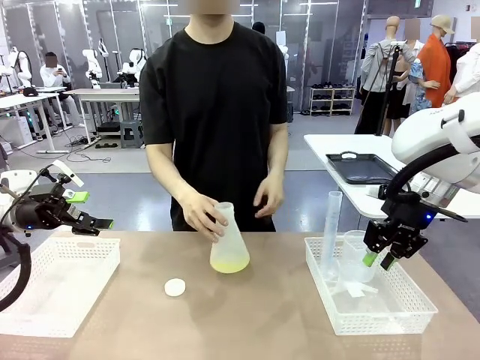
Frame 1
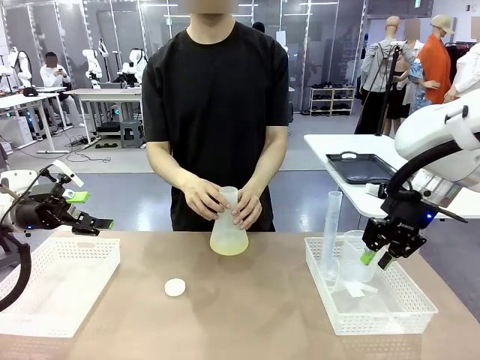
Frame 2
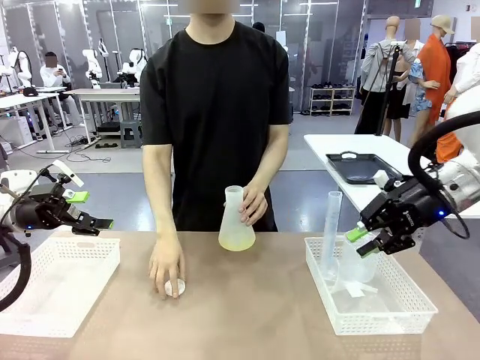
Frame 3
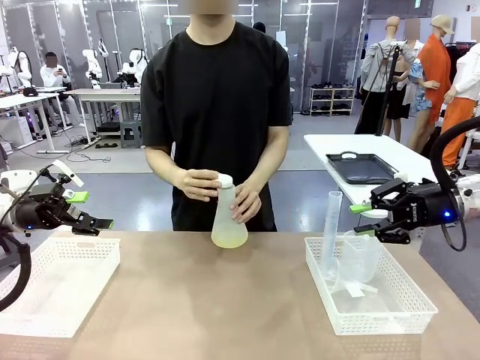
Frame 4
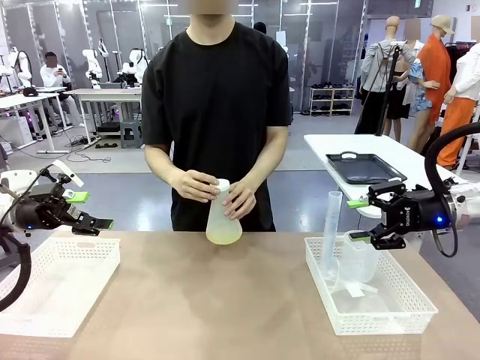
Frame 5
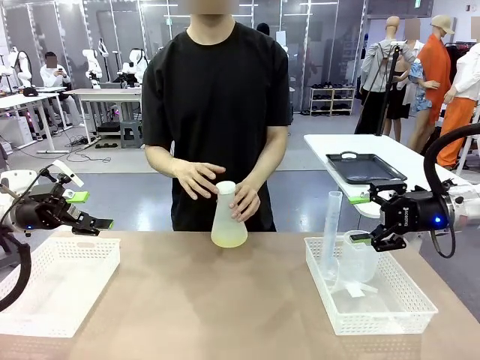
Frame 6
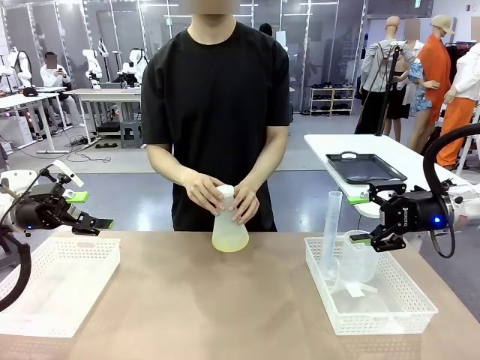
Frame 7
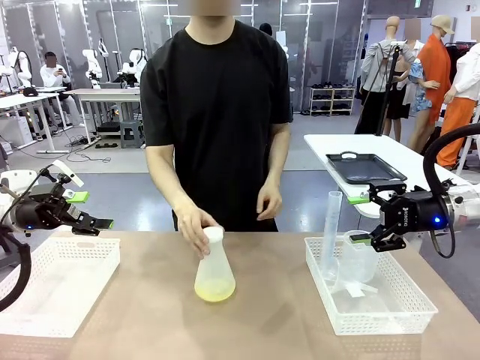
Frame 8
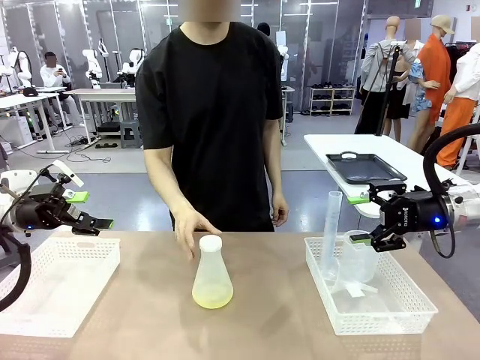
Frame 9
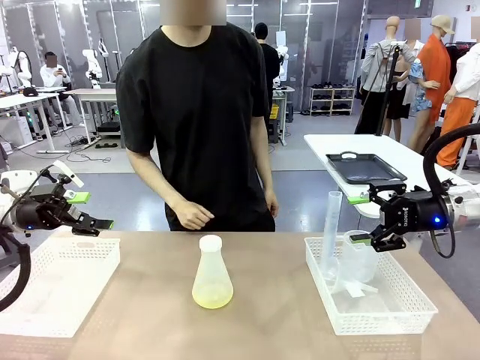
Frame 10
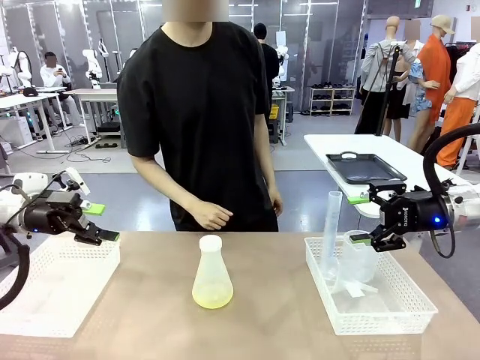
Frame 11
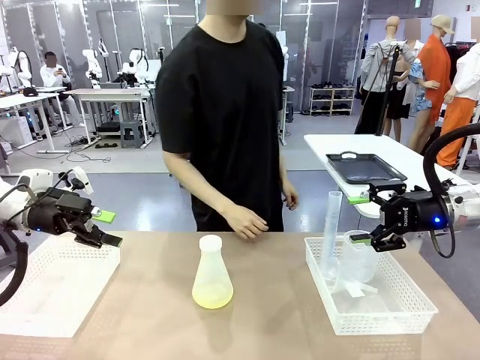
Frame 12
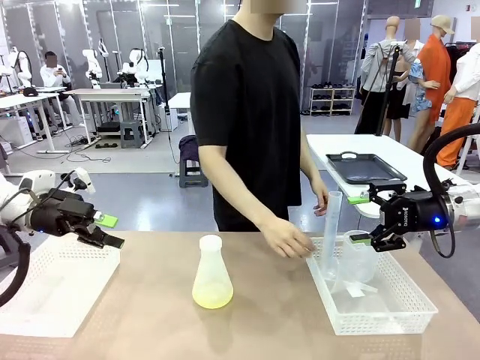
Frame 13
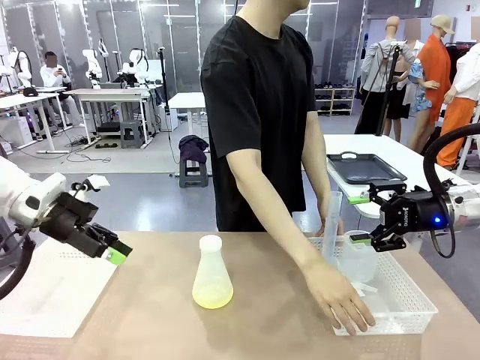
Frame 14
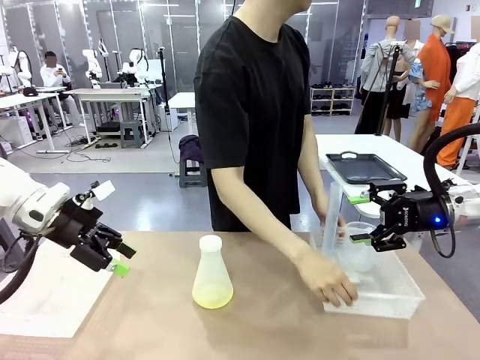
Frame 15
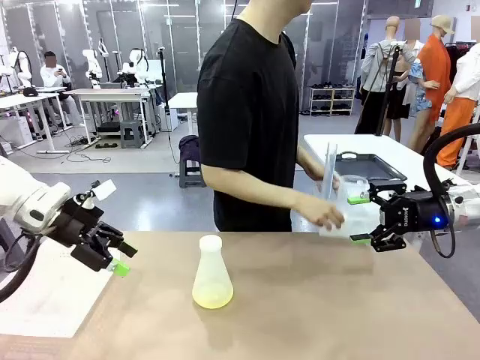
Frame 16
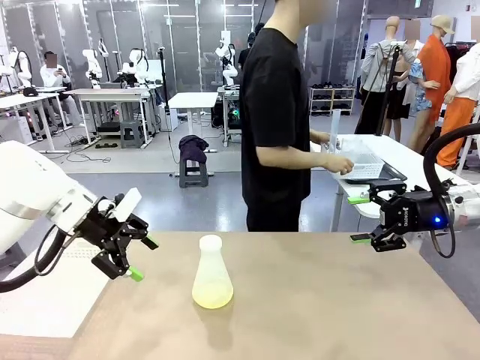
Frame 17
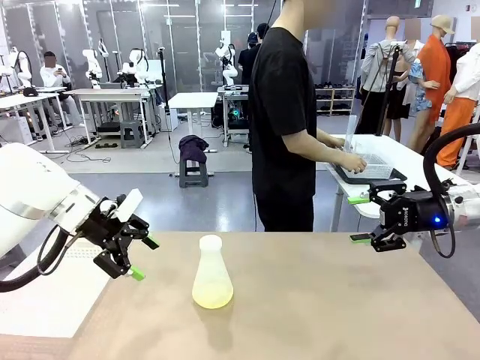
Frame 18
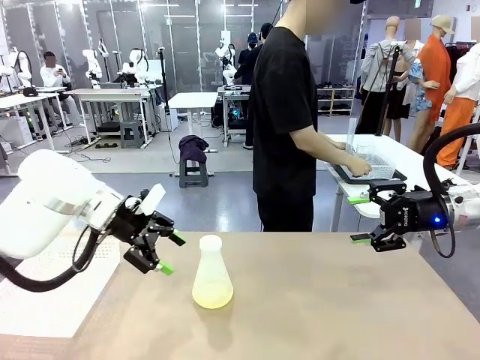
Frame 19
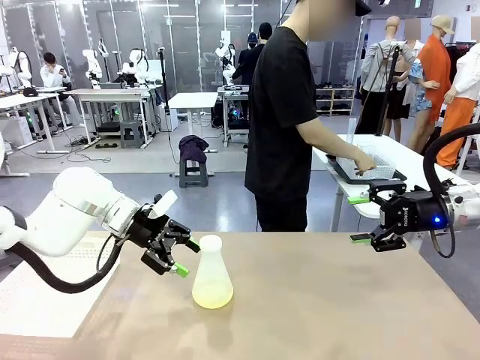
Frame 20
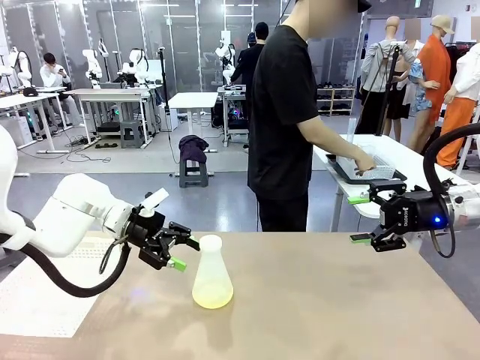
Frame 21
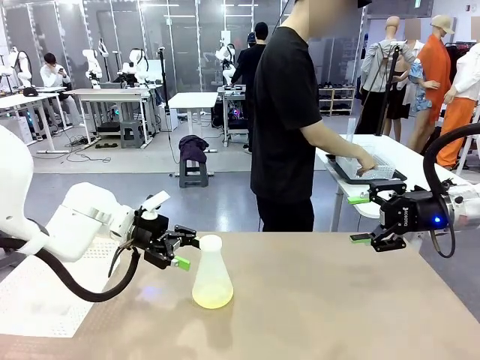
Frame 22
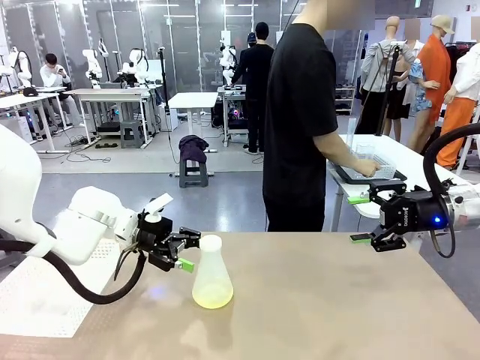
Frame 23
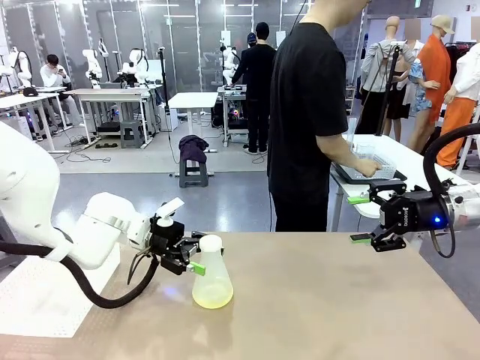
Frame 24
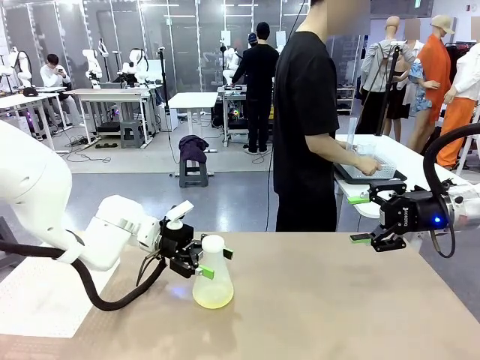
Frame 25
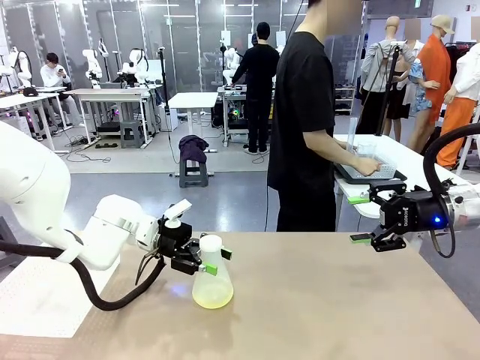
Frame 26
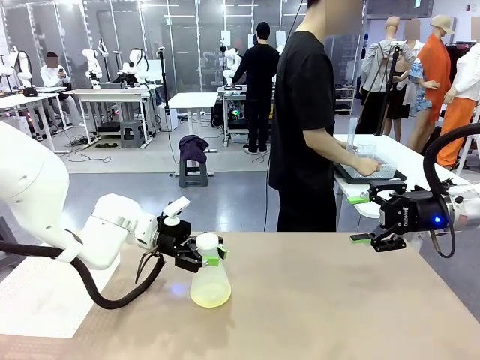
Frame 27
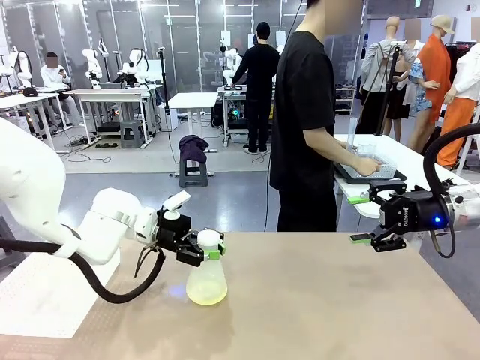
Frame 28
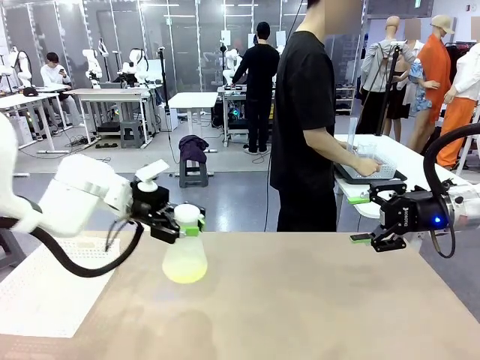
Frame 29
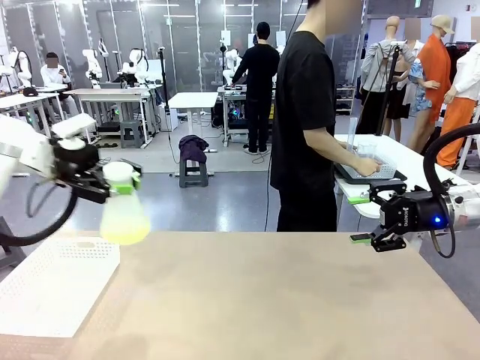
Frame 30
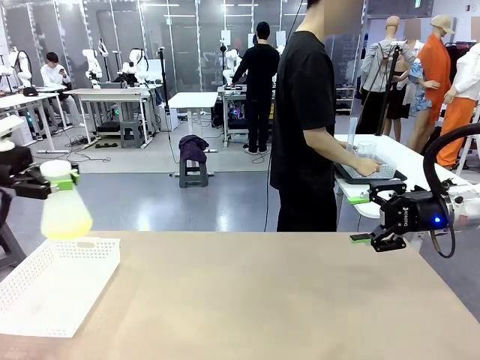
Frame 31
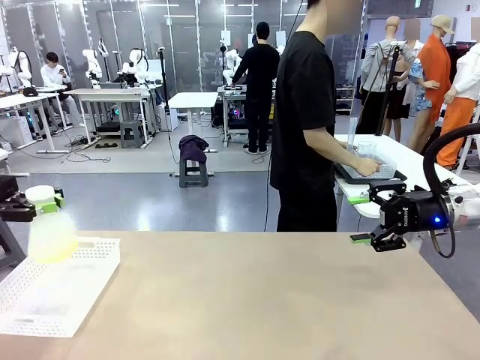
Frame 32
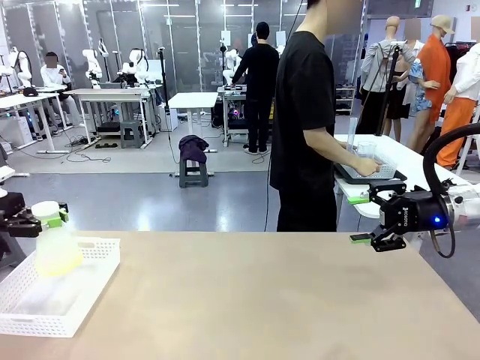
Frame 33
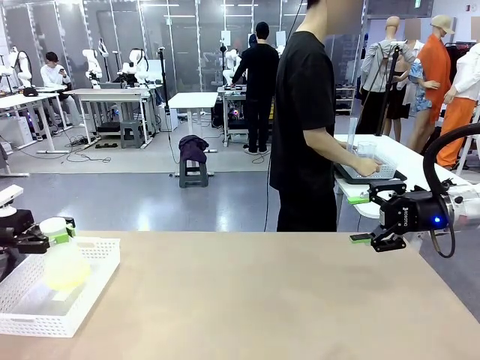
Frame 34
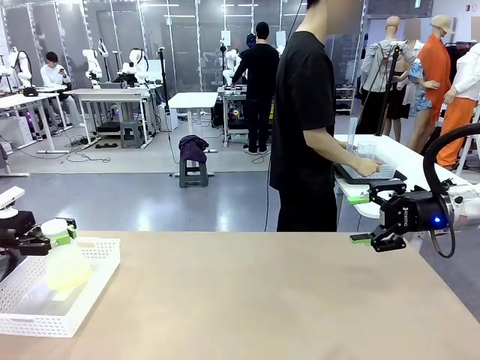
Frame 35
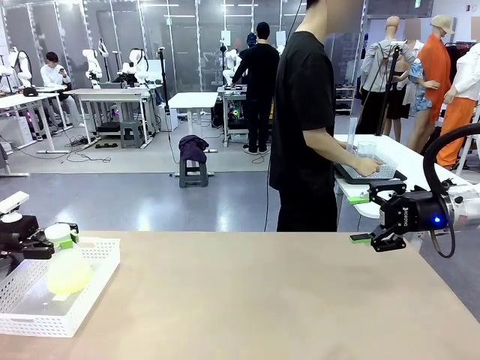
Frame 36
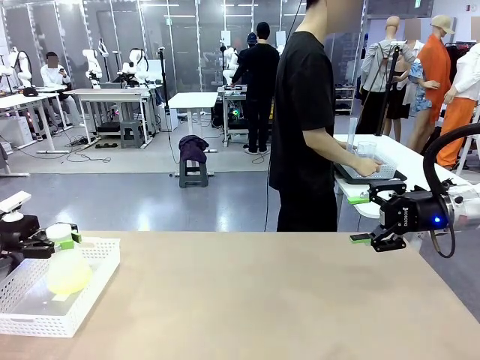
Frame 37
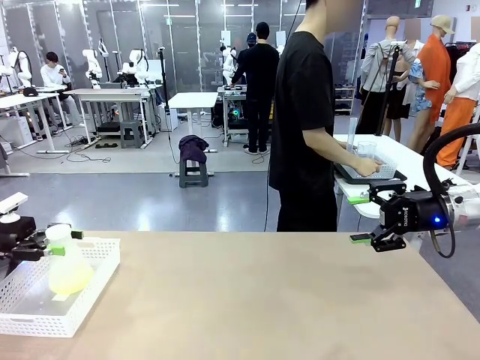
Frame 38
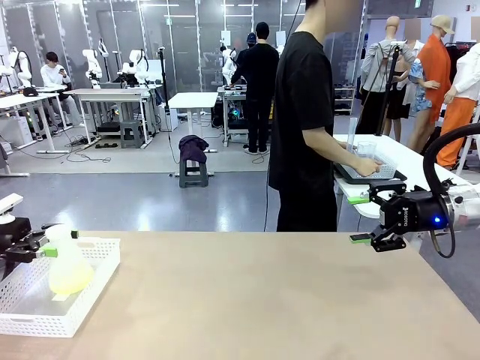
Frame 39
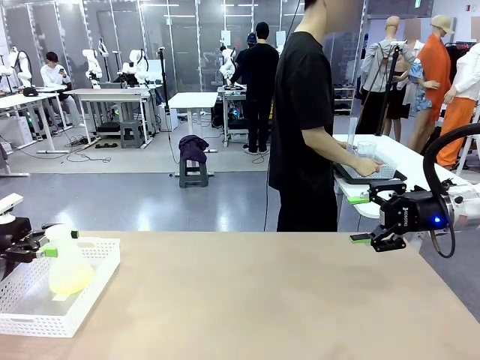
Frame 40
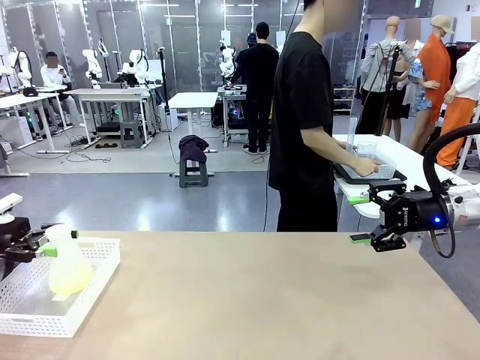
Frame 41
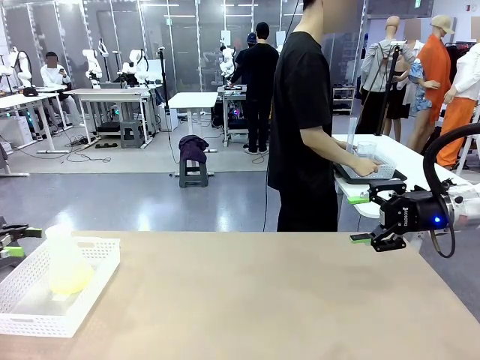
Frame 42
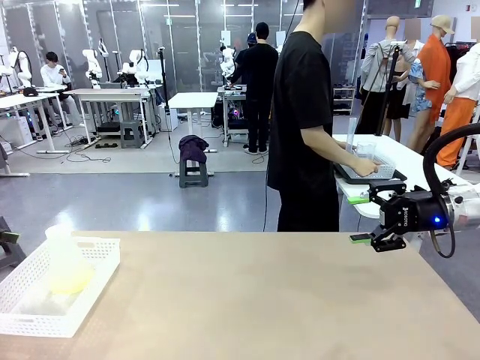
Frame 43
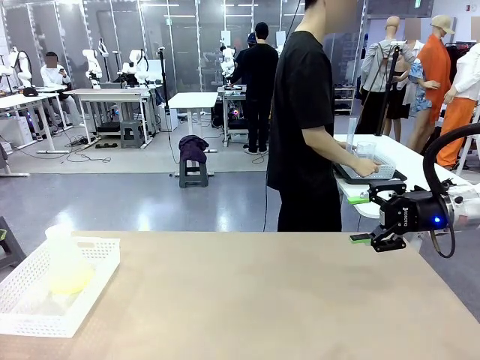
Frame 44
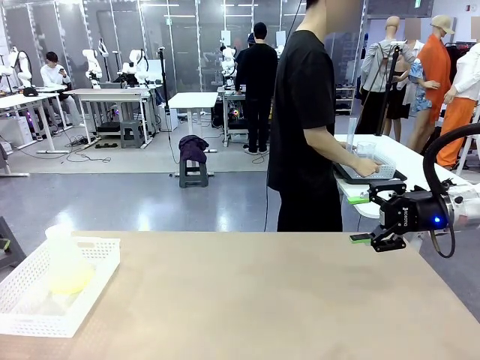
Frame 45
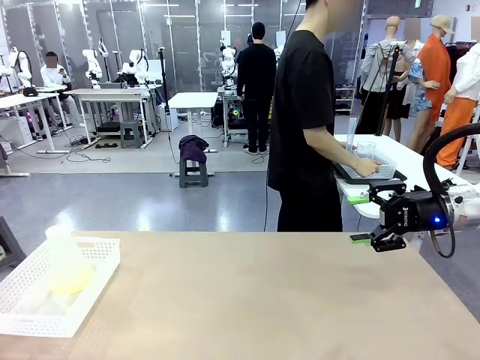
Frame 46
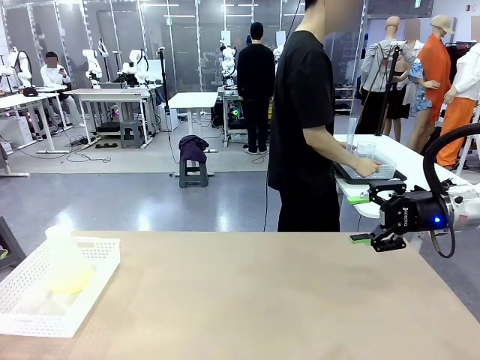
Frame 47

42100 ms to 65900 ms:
Task: Prepare the solutions needed for the experiment.
Robot: When the human places the Big flask in the center of the table, pick up the Big flask and place it in the left Organizing basket.
Person: Pick up the organizing basket on the left side of the robot table and place it on the left side of the human table.

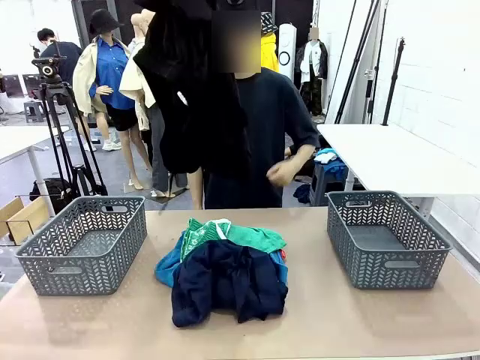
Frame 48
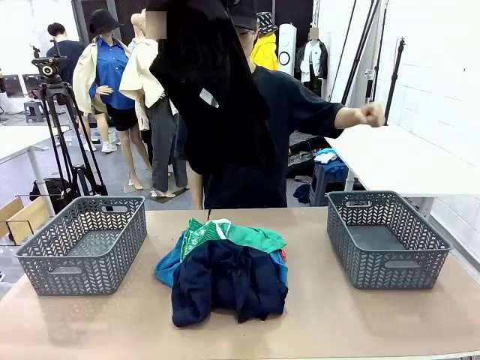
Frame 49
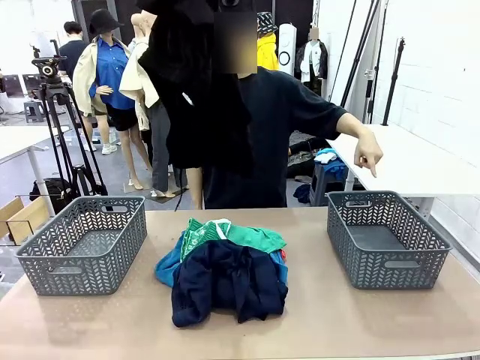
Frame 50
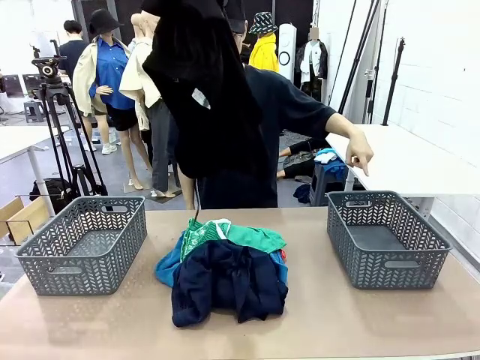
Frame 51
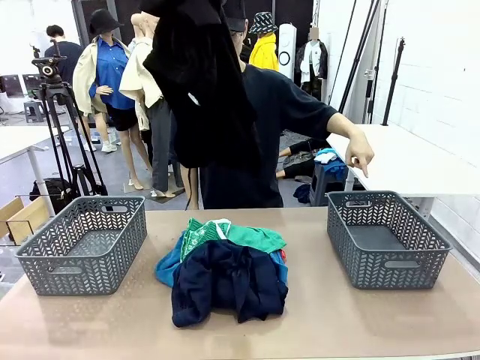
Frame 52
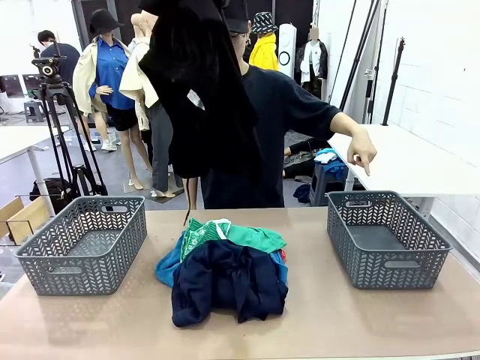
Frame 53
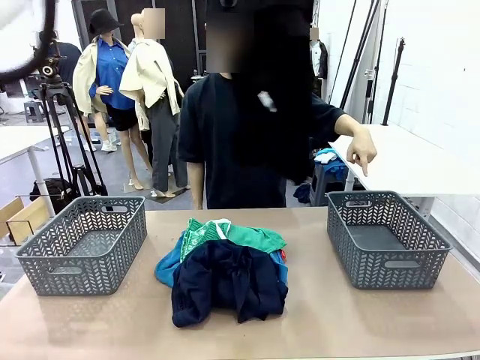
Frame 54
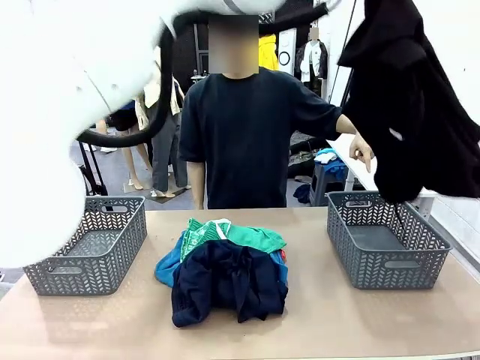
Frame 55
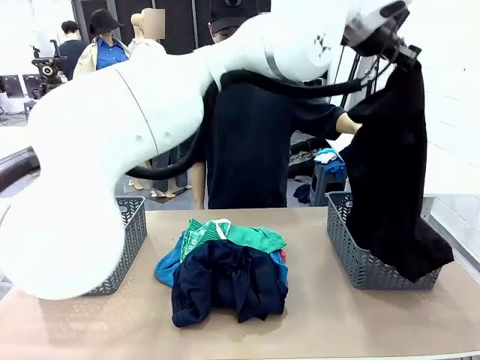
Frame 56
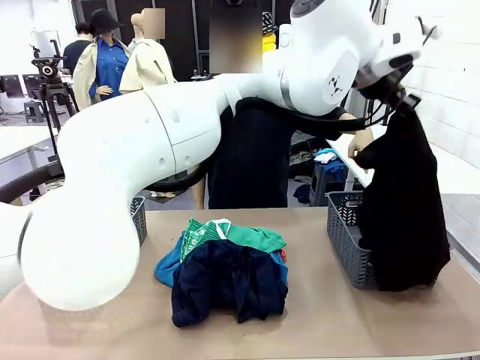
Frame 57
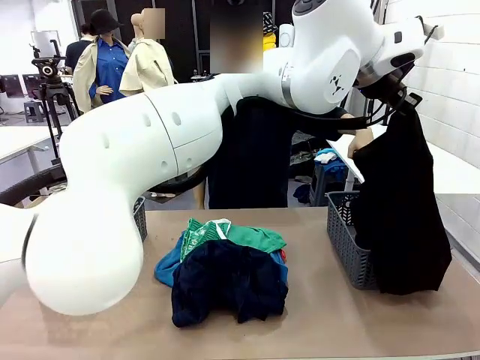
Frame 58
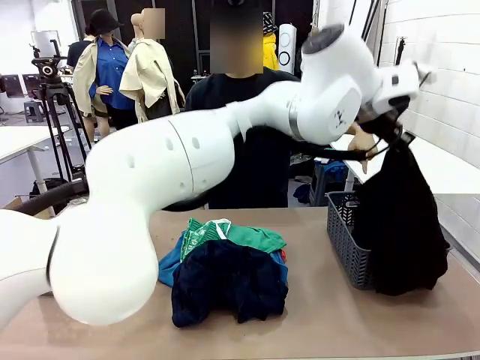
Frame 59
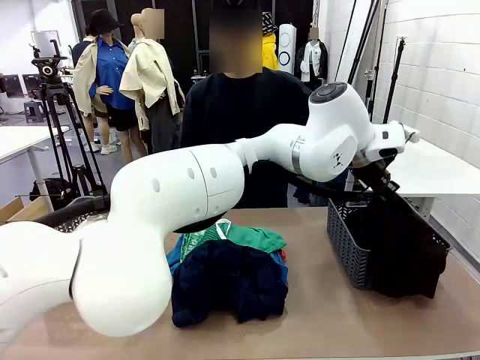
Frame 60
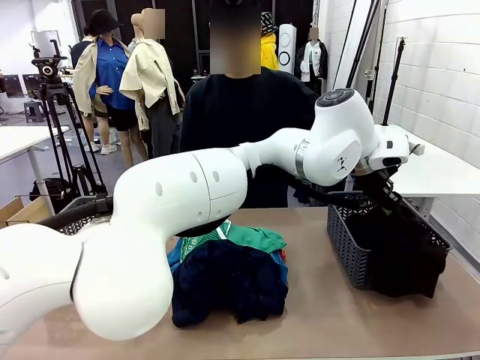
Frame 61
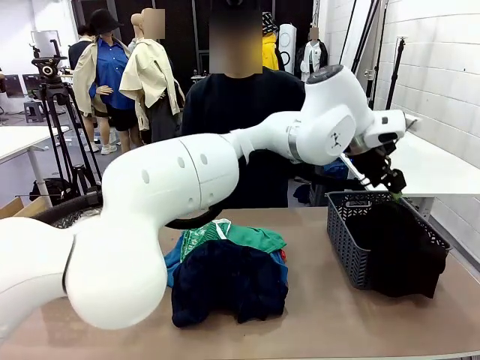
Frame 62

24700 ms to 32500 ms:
Task: Sort the tops and bottoms.
Robot: Sort the clothes according to human instructions.
